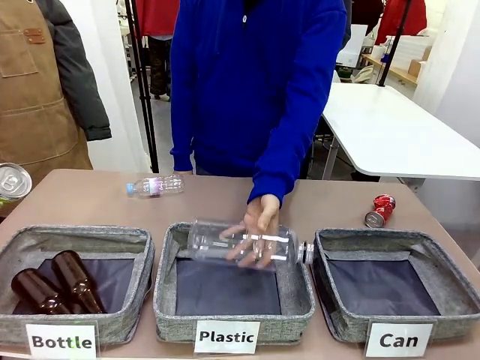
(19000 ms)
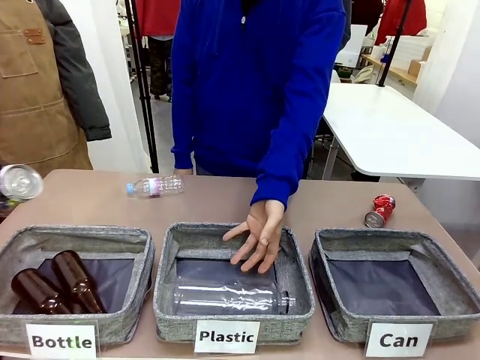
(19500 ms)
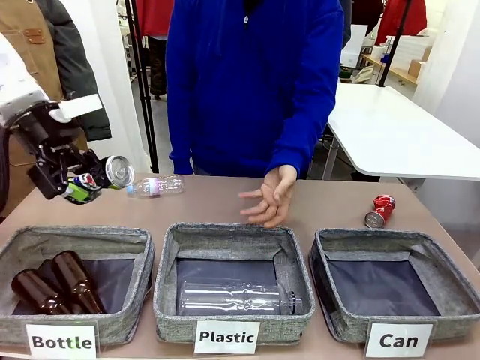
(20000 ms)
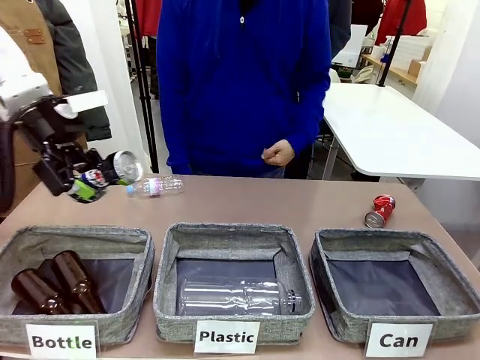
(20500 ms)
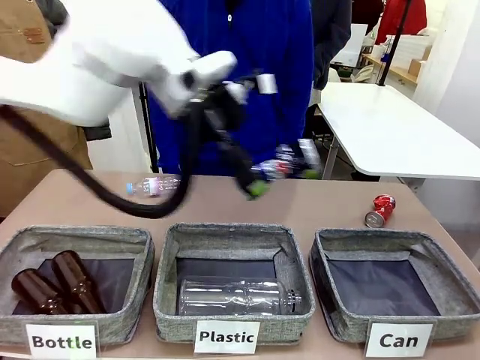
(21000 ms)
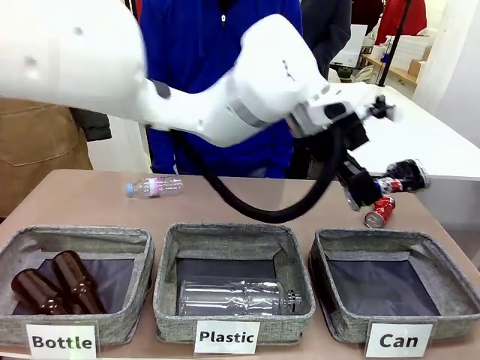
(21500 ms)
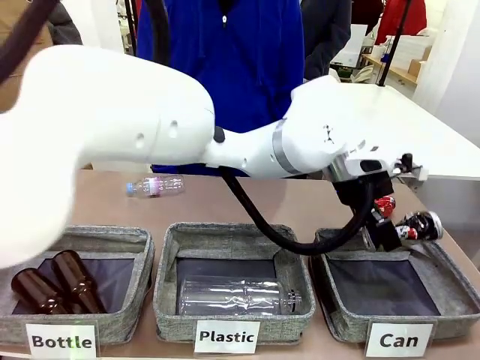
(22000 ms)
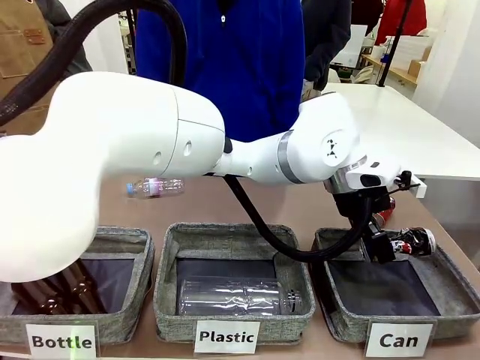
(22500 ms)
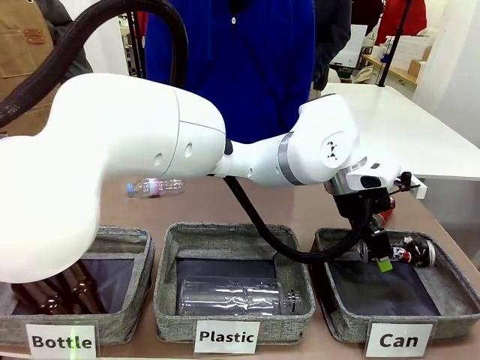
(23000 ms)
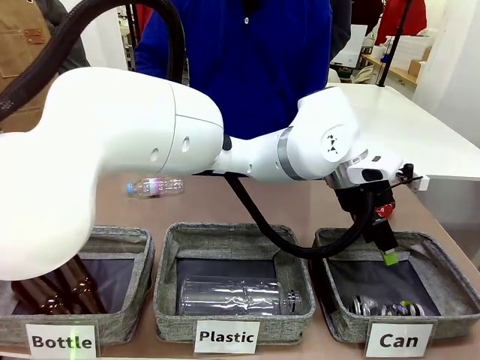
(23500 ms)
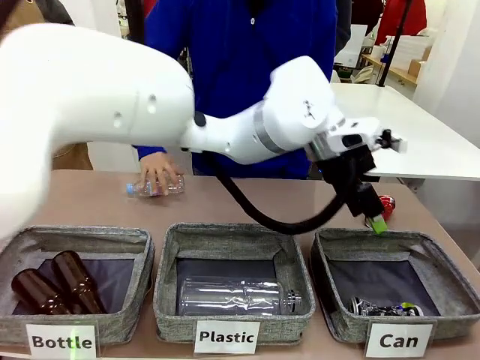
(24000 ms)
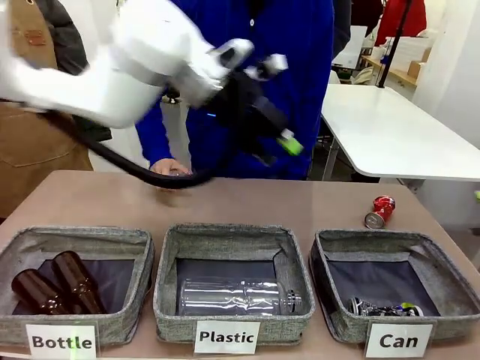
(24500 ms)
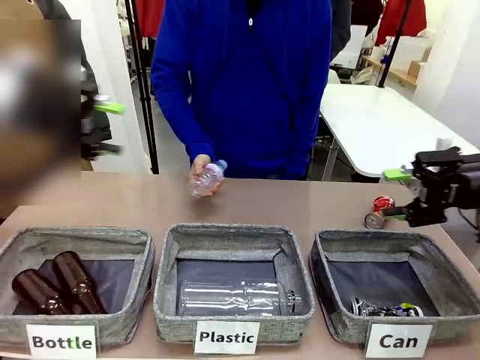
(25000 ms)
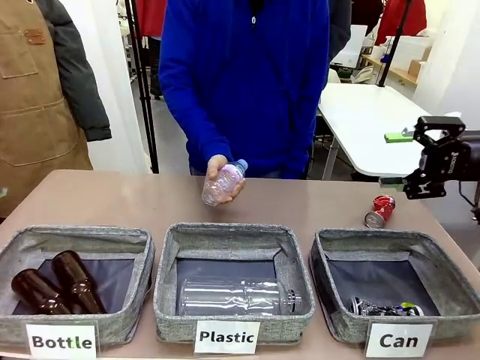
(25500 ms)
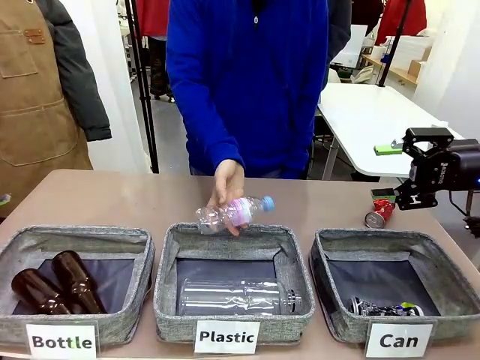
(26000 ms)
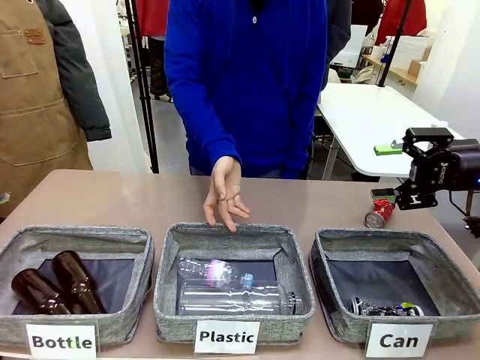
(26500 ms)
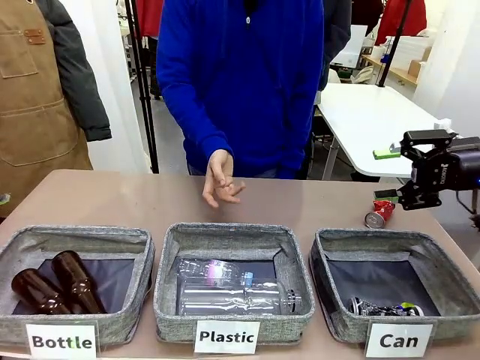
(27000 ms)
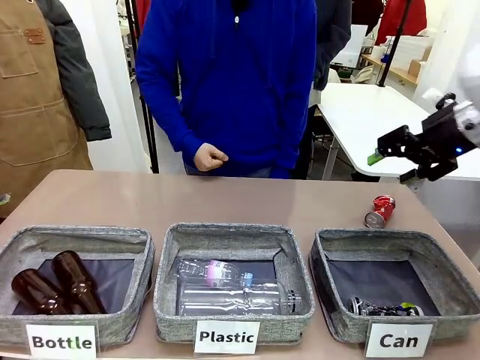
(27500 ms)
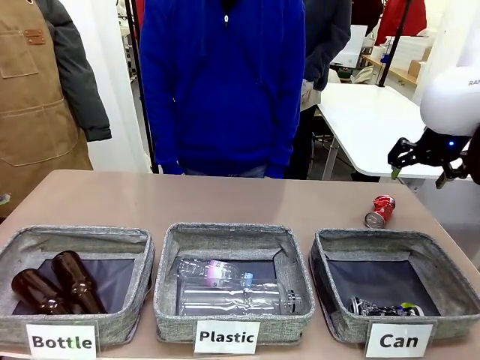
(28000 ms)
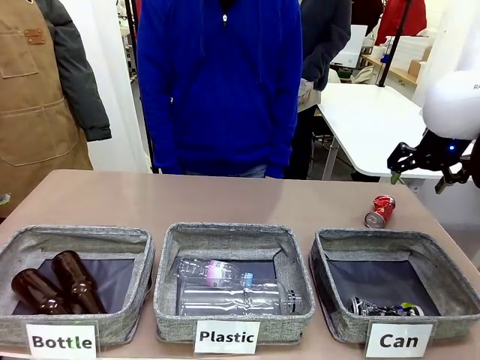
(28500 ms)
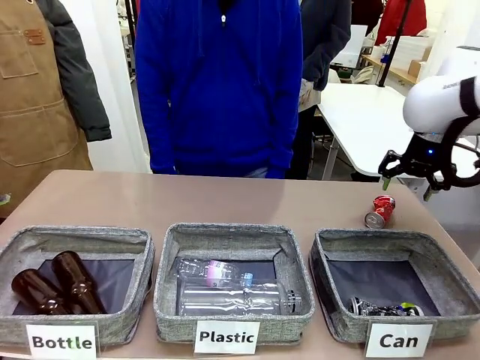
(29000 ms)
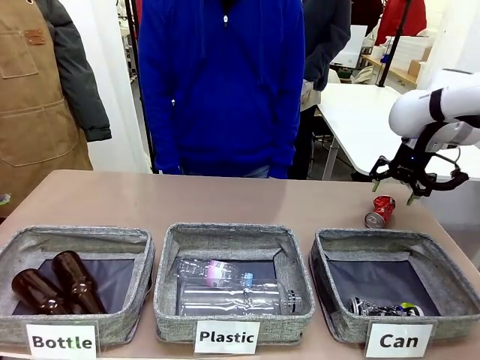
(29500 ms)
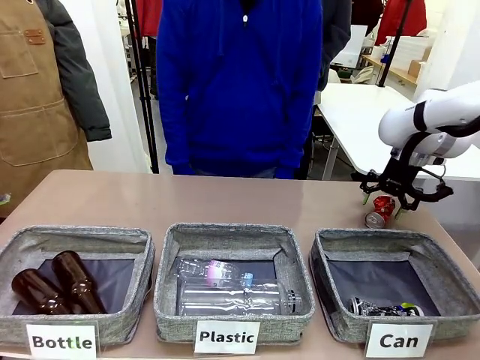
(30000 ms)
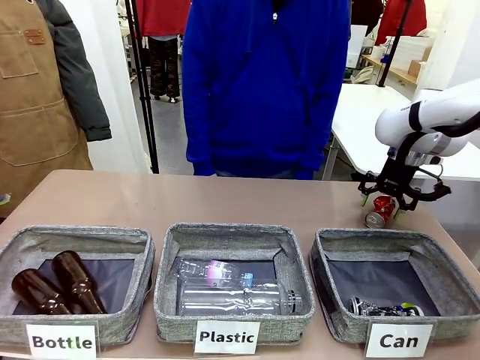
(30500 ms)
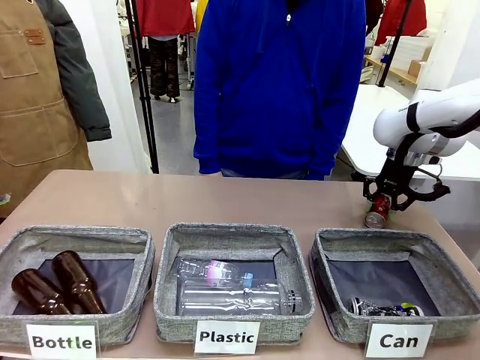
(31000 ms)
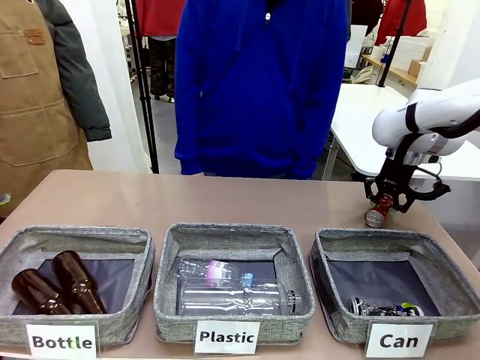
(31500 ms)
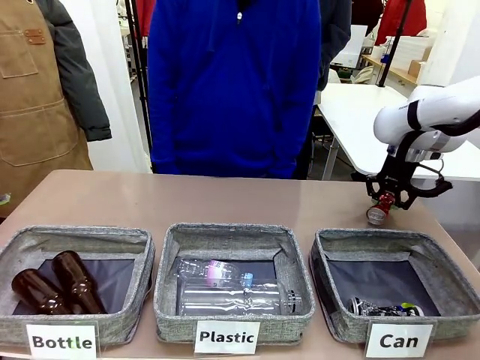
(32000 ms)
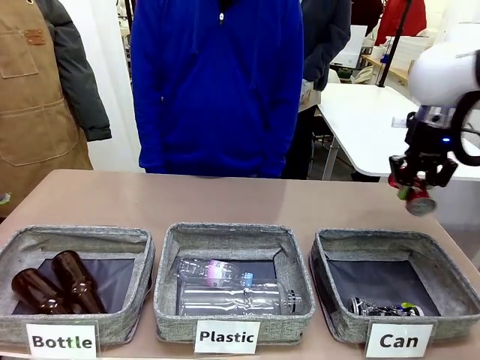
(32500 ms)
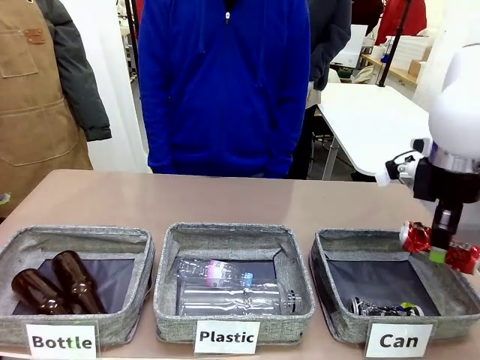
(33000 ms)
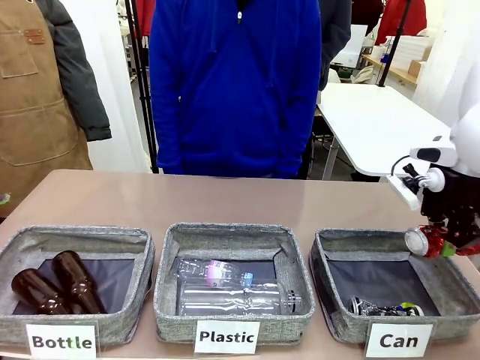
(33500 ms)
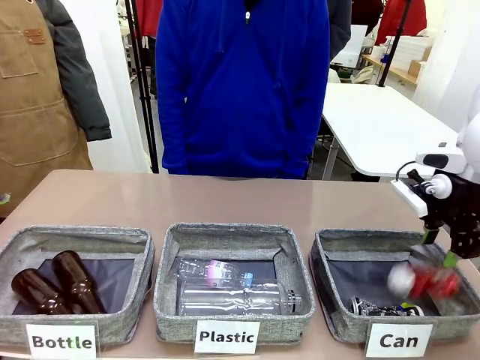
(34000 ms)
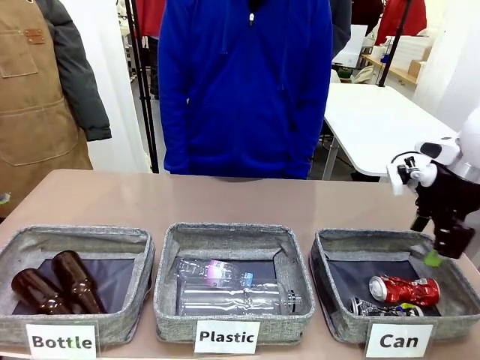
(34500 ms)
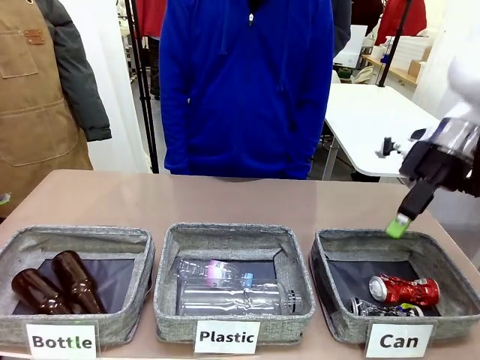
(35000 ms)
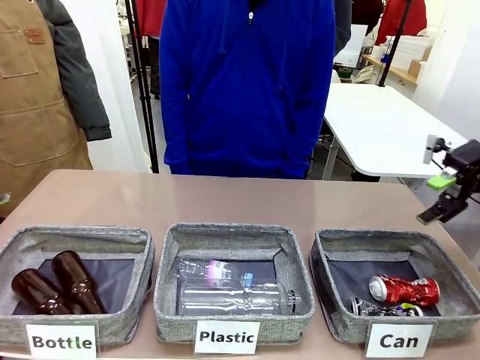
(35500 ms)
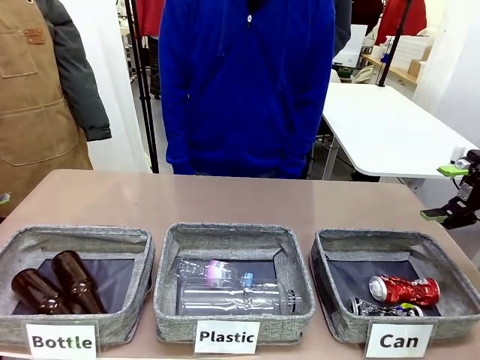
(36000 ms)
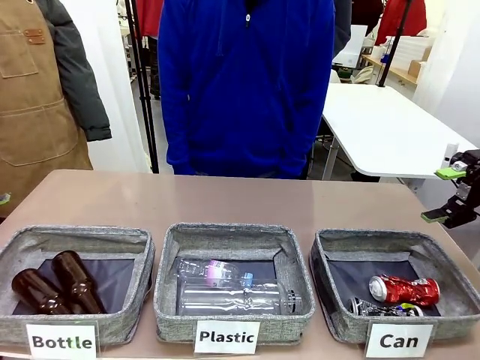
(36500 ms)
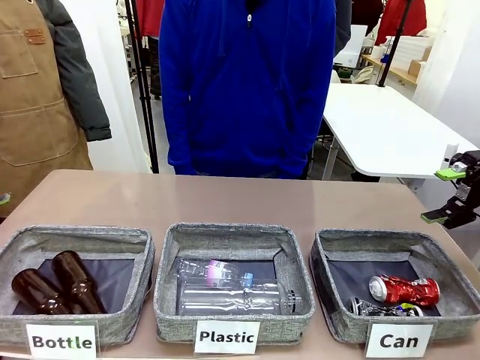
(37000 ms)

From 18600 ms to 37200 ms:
Task: Sort the can waste into the basket.
Robot: Pick up the can waste from the table and place it in the right Fabric basket.
